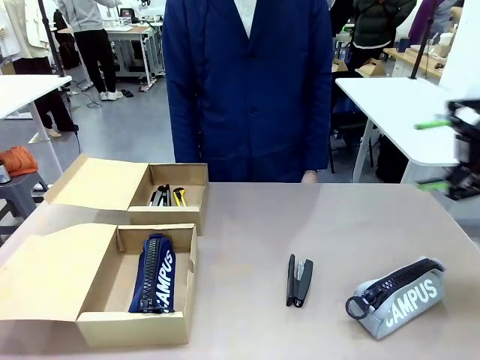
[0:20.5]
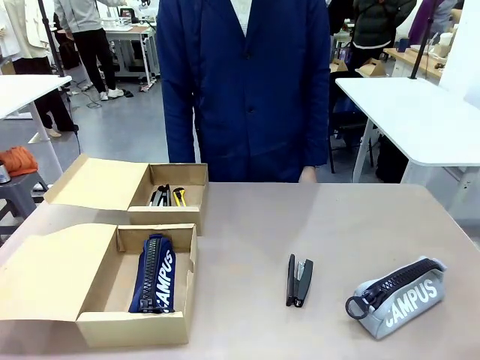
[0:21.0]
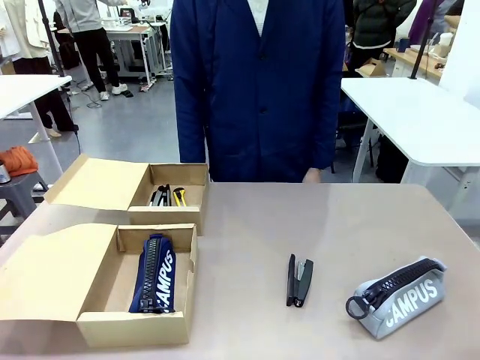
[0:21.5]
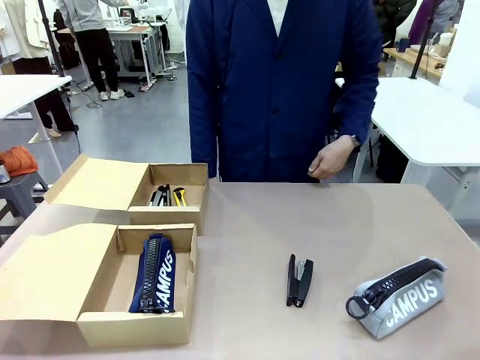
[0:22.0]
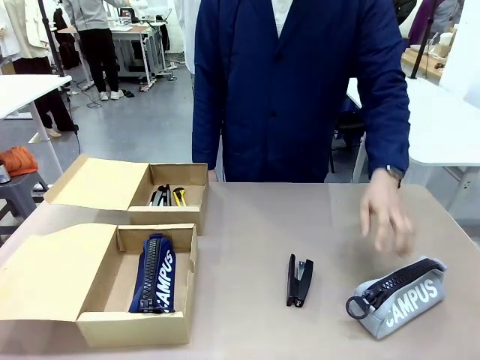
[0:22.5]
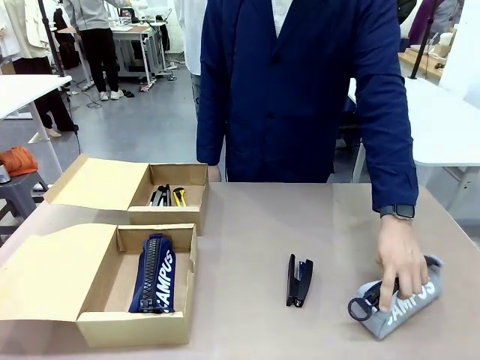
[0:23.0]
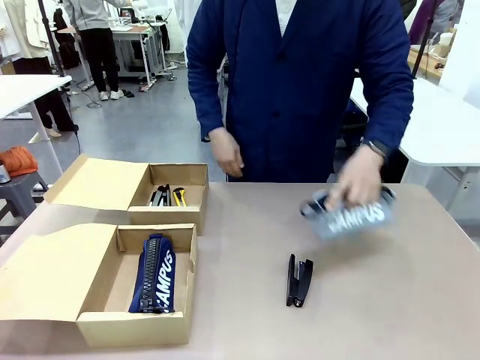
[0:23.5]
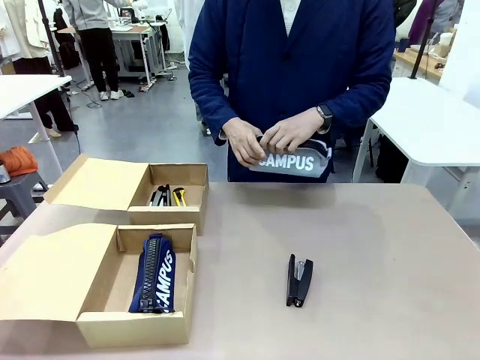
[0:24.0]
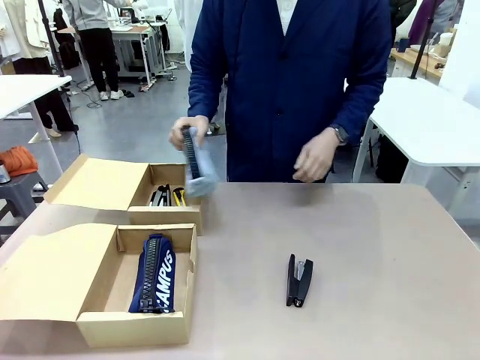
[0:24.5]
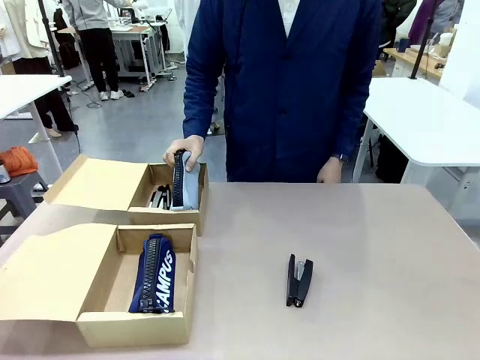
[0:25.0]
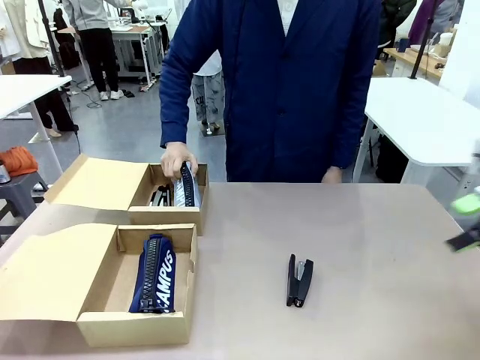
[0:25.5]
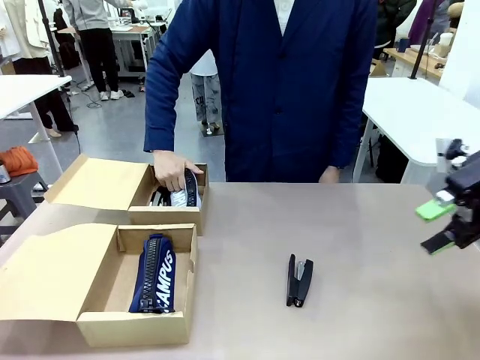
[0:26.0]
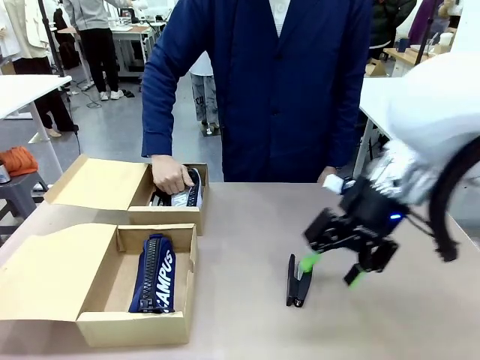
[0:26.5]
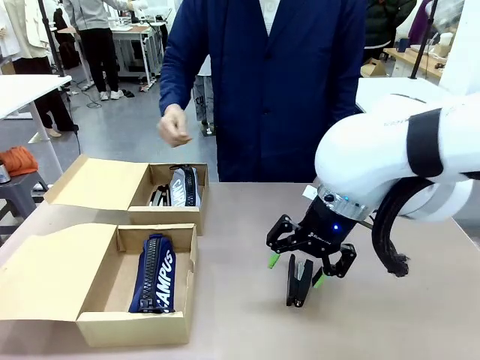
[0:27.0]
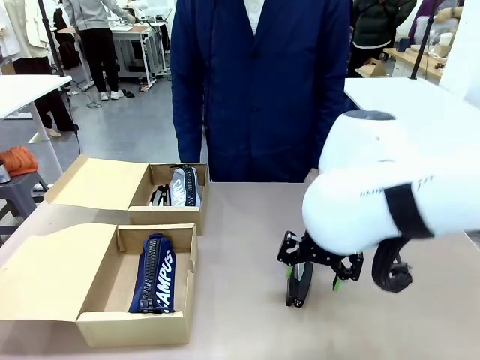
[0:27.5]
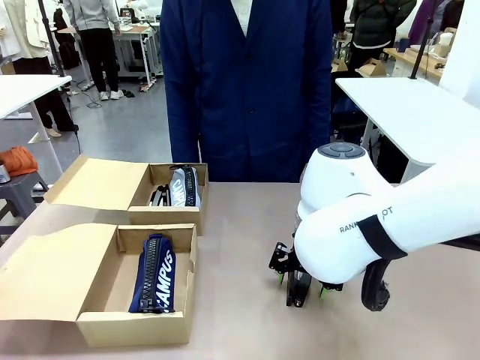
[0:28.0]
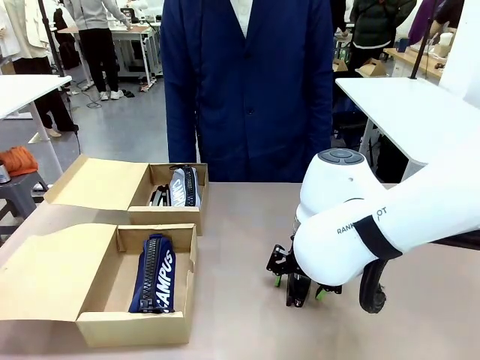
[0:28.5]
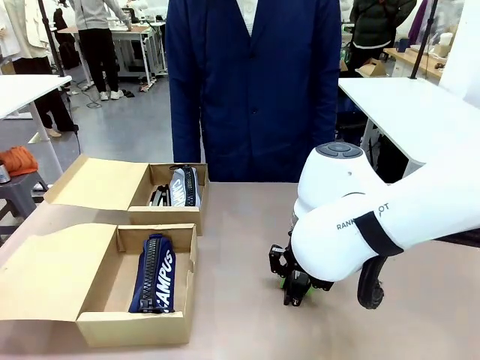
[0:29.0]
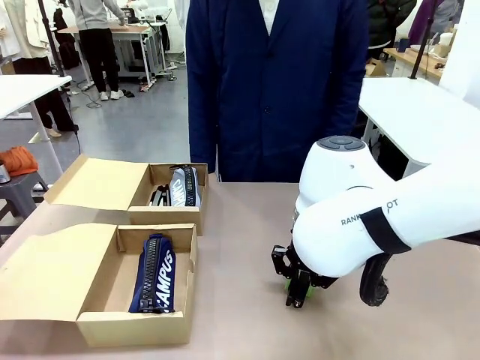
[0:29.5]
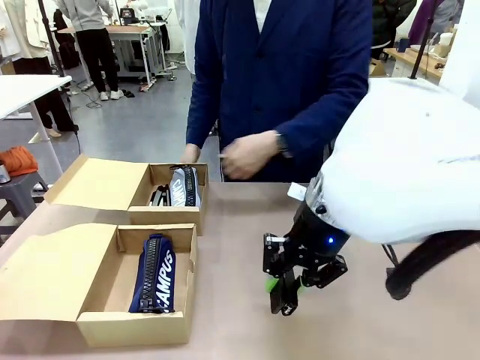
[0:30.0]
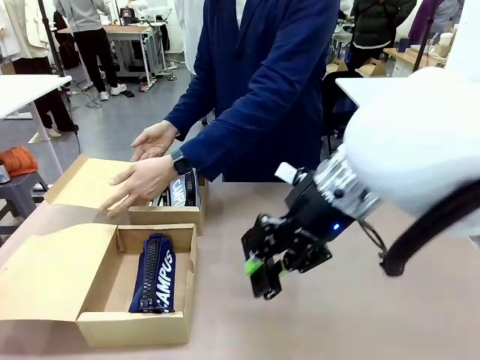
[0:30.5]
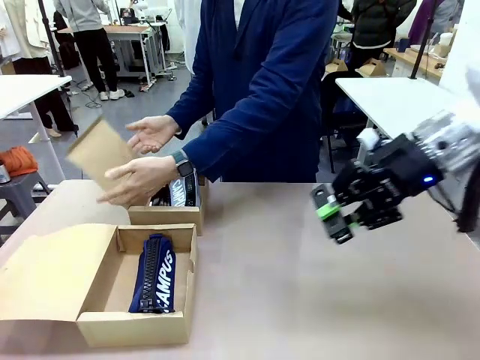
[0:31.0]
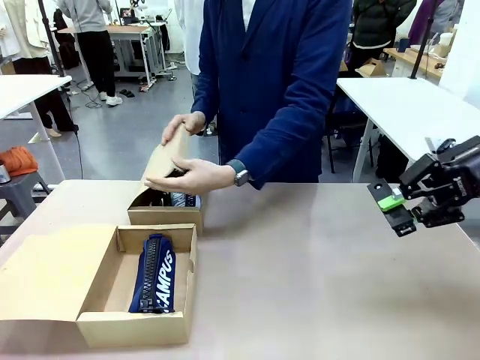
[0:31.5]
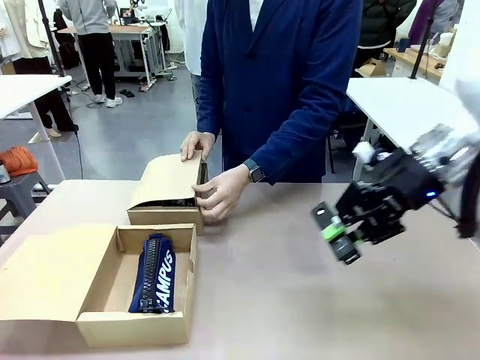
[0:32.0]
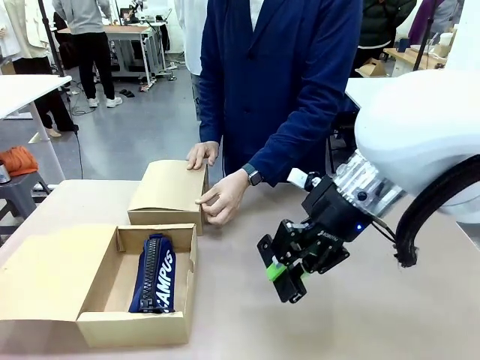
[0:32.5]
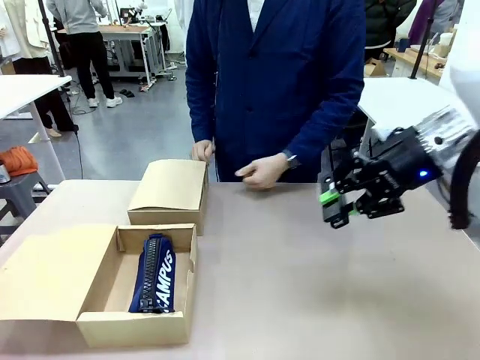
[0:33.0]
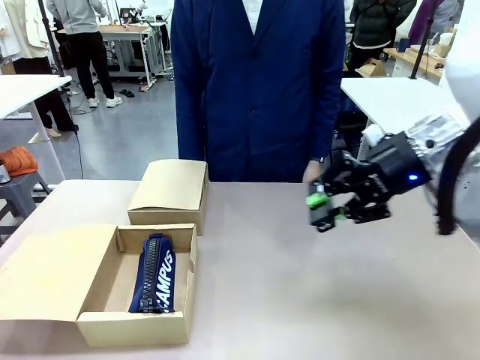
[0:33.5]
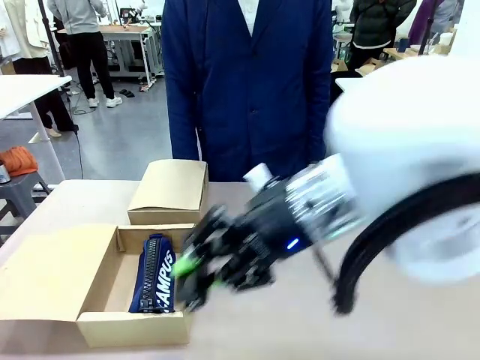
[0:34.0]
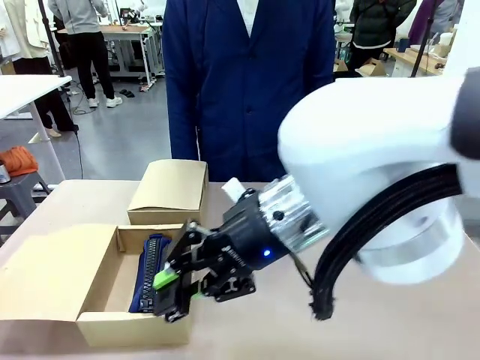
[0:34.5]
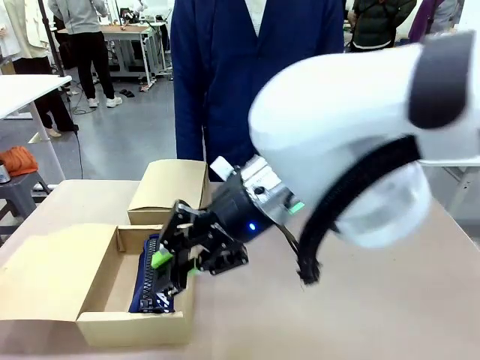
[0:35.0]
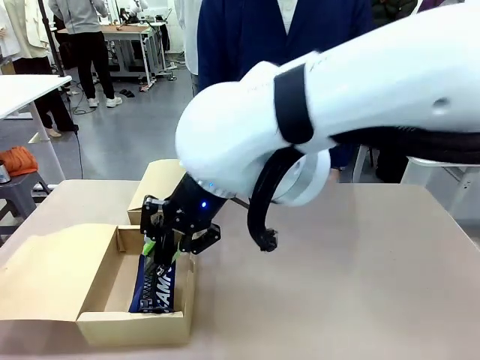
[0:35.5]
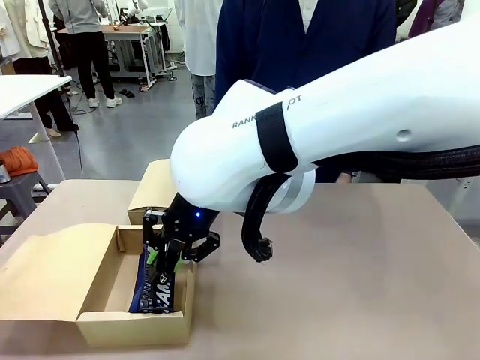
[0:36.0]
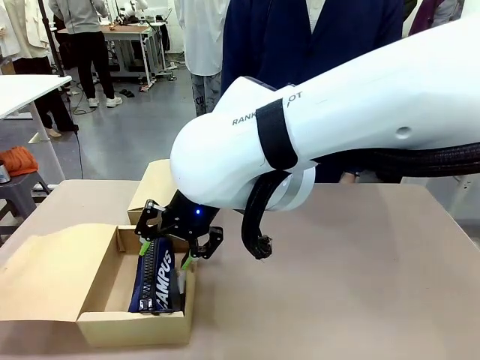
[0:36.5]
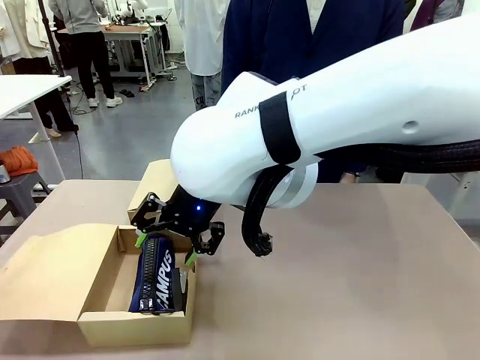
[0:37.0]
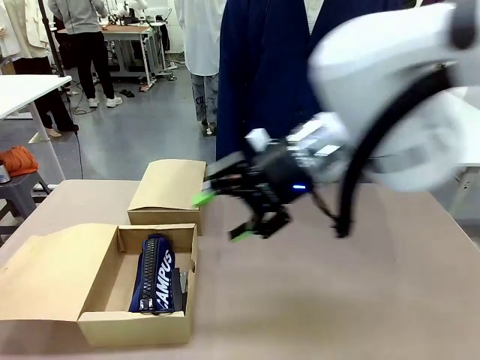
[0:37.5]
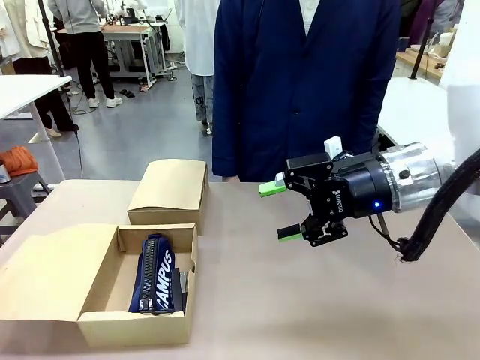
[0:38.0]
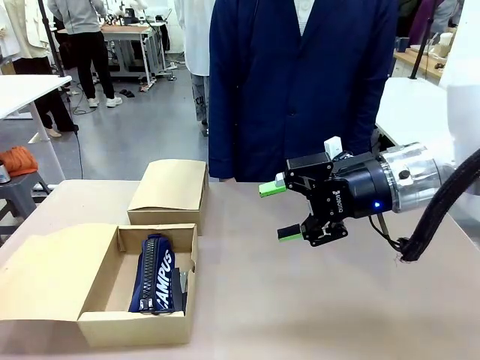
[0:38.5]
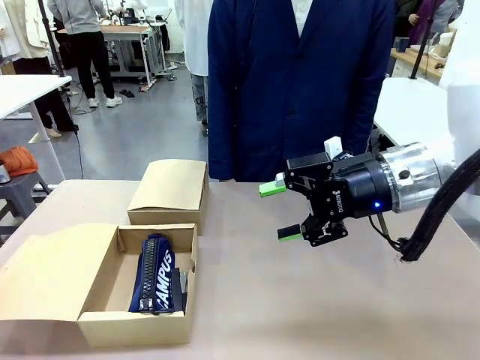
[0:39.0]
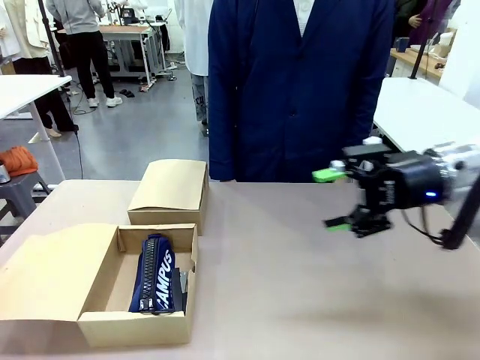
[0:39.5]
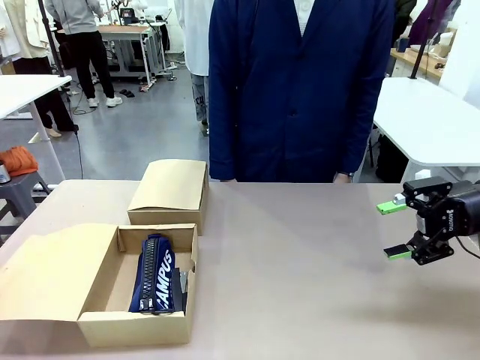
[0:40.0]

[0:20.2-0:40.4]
Task: Place items inside the box.
Robot: Pick up a Pencil pouch or Stapler and place it inside the Mailer Box closest to the robot.
Person: Close the lid of the box facing the person.

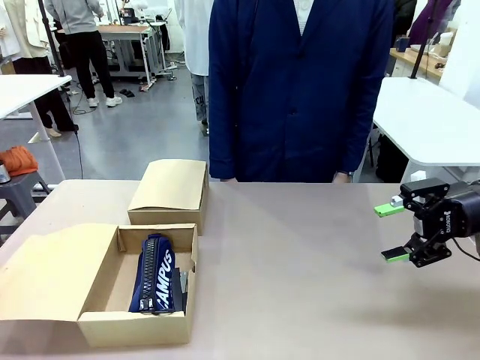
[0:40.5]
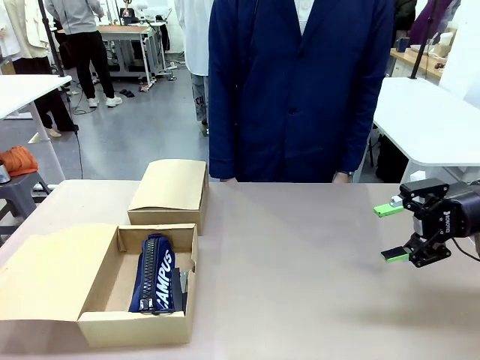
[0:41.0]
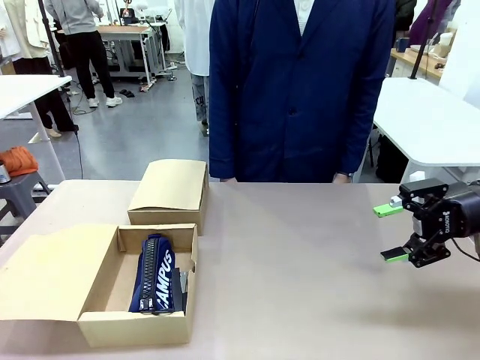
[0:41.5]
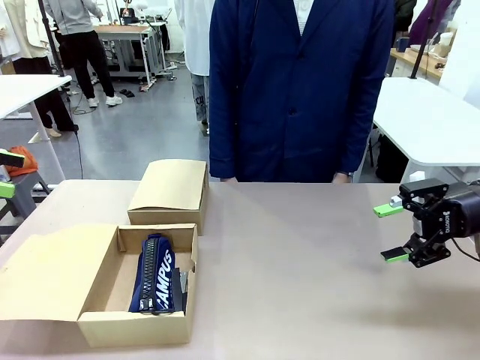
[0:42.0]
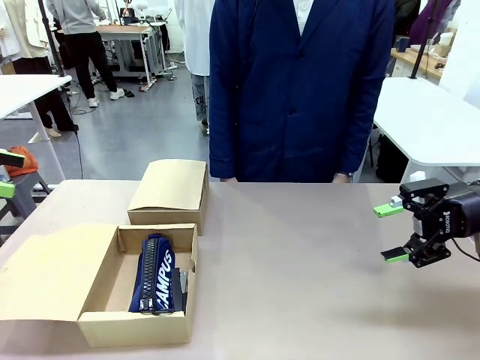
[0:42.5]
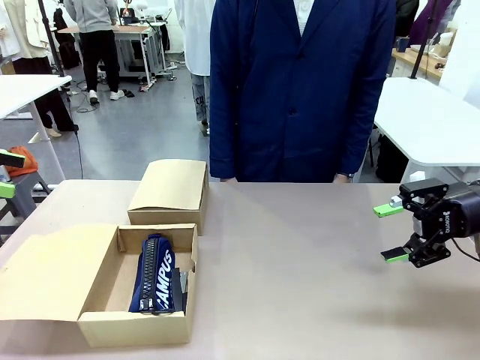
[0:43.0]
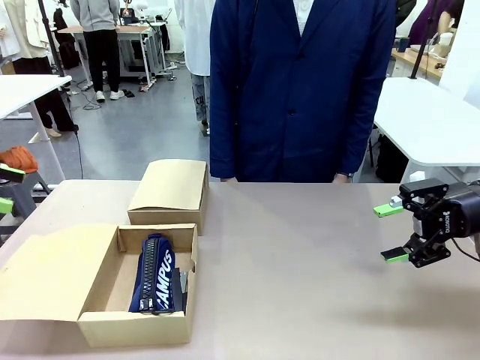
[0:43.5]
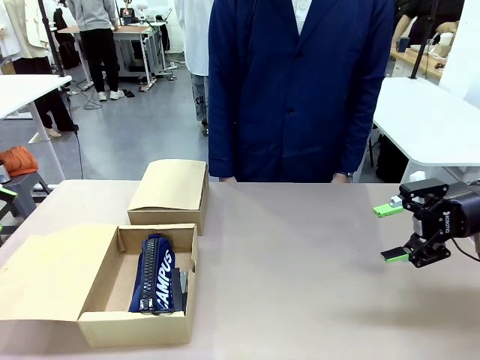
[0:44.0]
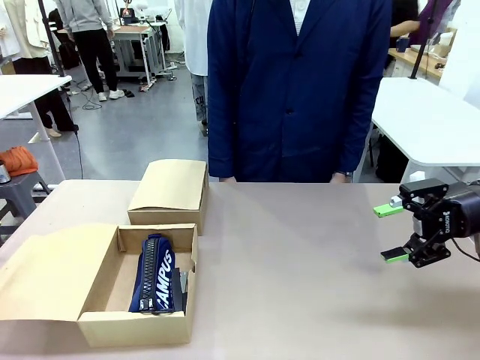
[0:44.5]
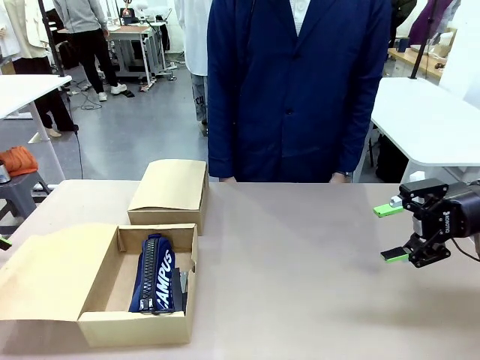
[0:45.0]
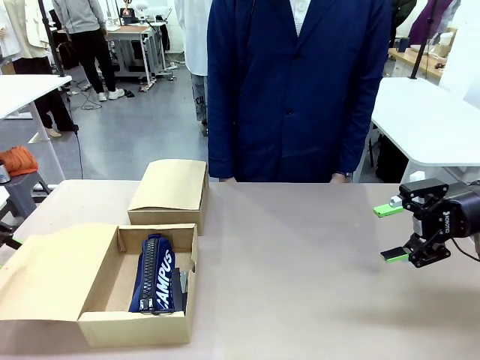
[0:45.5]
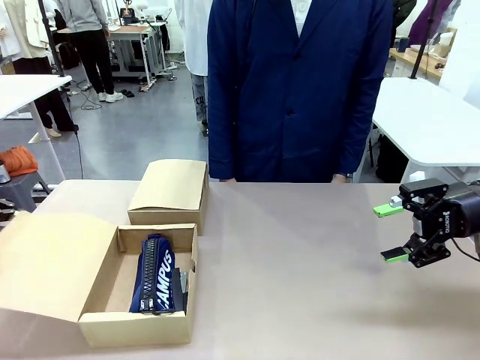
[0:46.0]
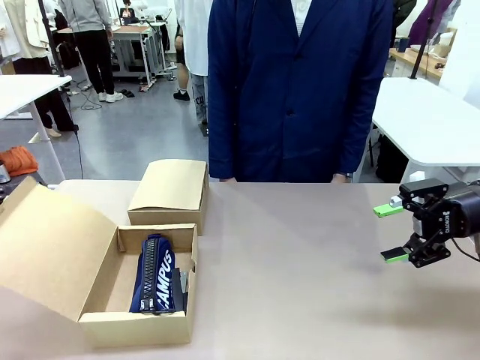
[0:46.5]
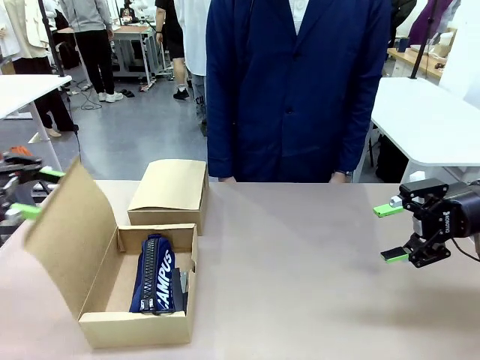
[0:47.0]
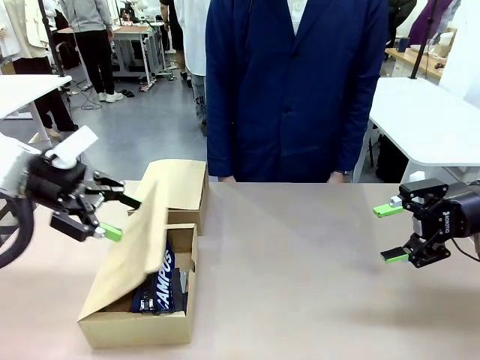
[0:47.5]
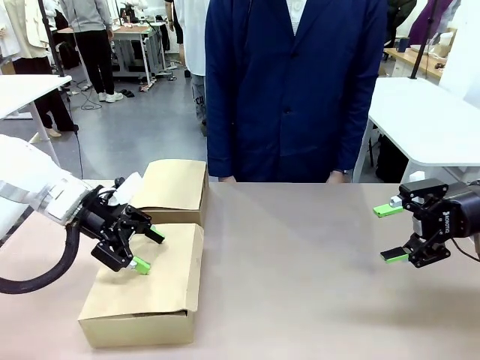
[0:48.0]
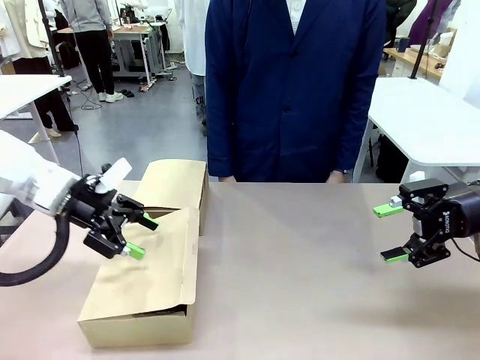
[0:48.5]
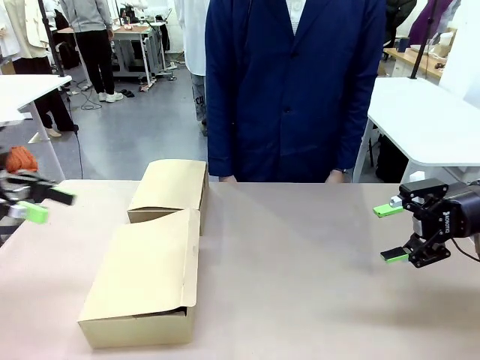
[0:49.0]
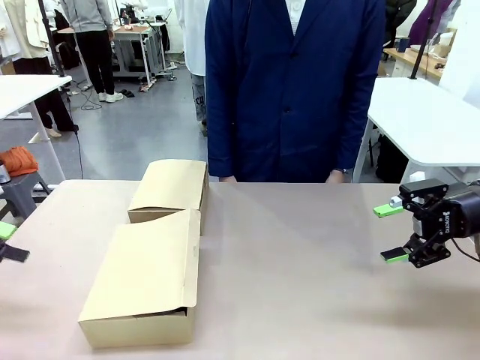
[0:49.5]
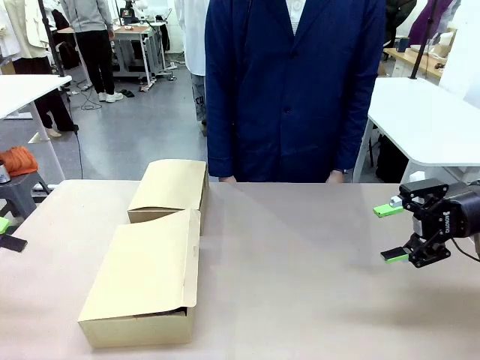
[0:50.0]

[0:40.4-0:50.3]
Robot: Close the lid of the Mailer Box closest to the robot.
